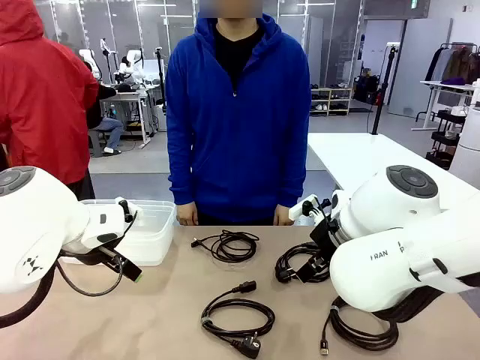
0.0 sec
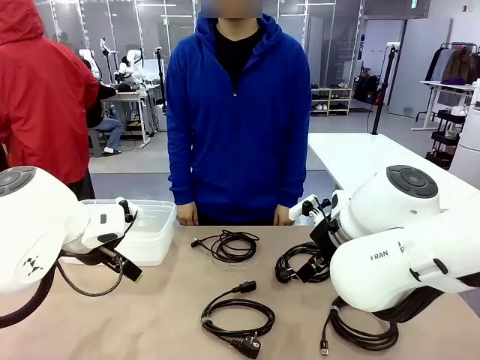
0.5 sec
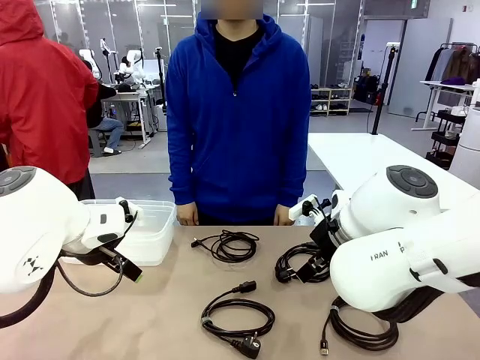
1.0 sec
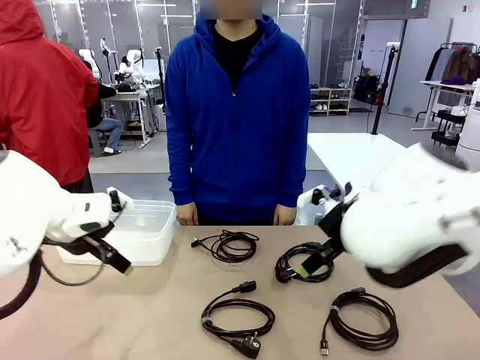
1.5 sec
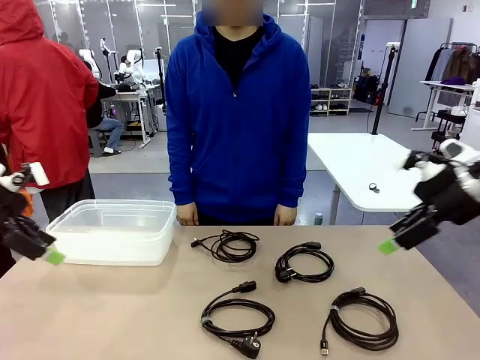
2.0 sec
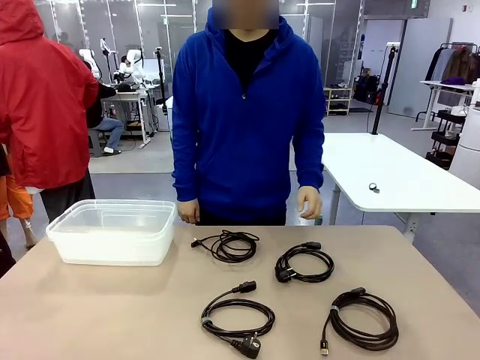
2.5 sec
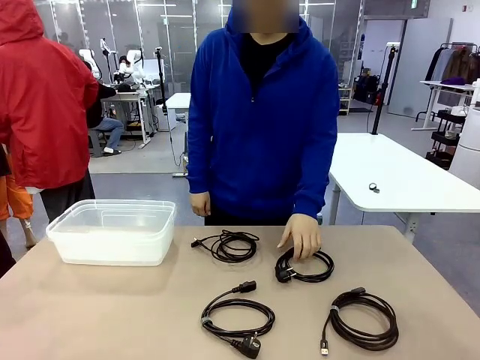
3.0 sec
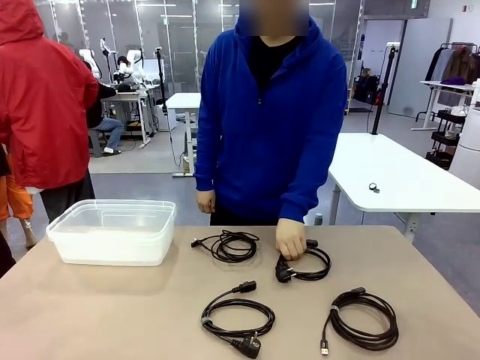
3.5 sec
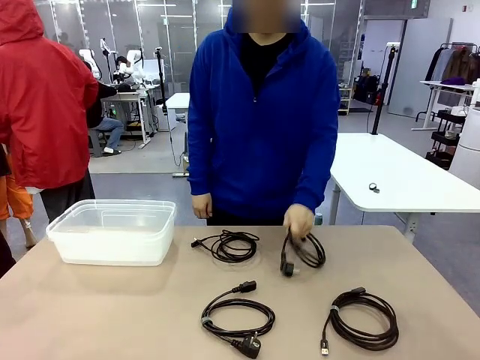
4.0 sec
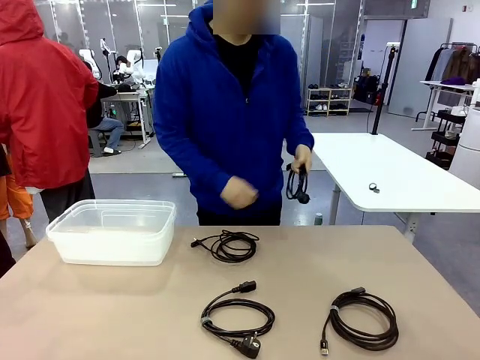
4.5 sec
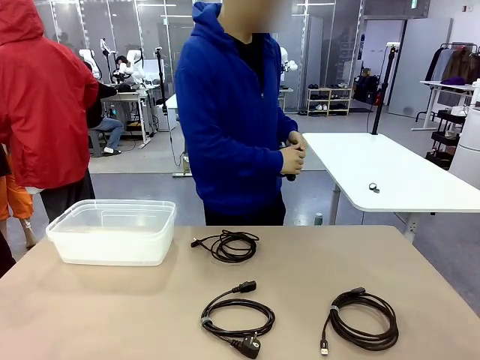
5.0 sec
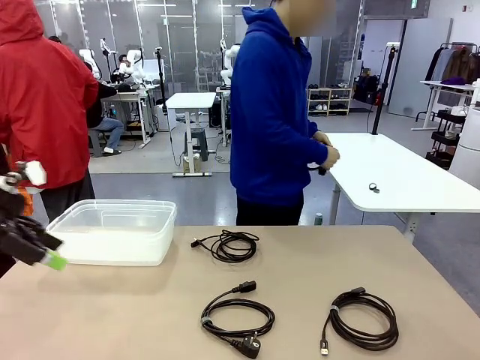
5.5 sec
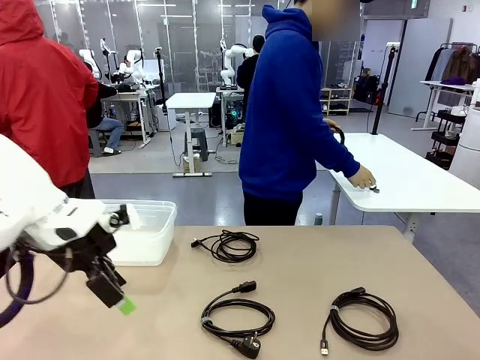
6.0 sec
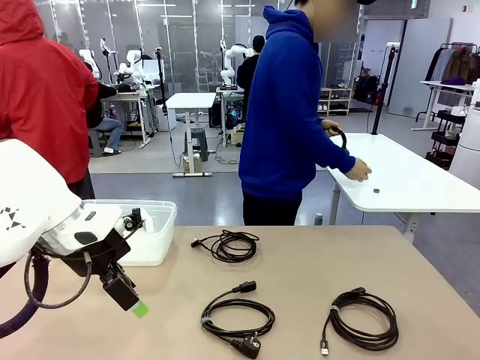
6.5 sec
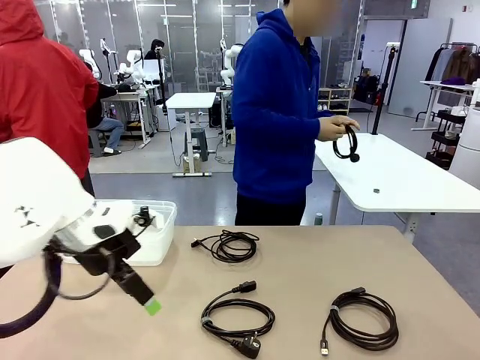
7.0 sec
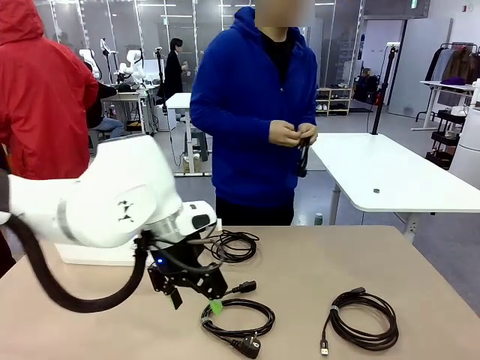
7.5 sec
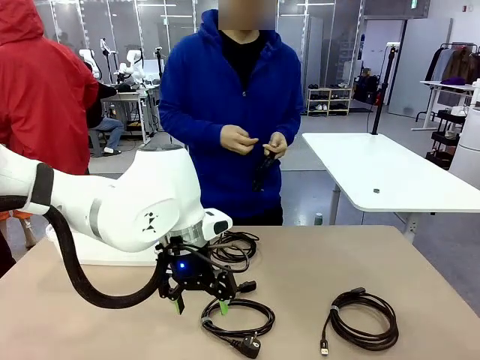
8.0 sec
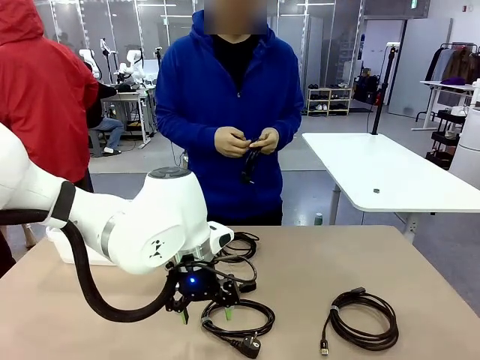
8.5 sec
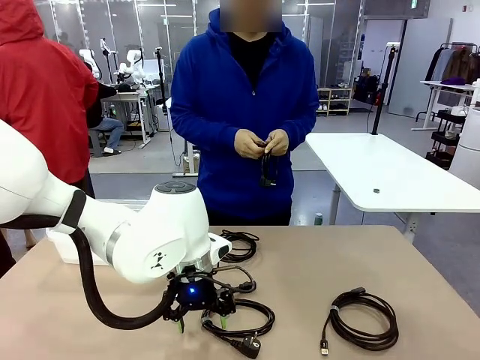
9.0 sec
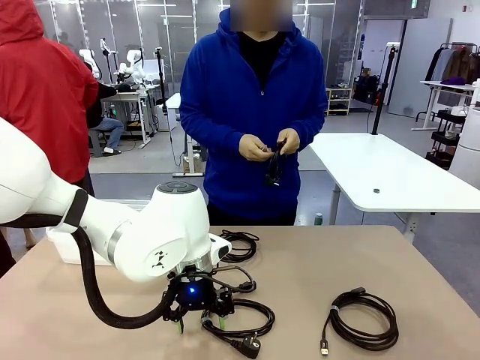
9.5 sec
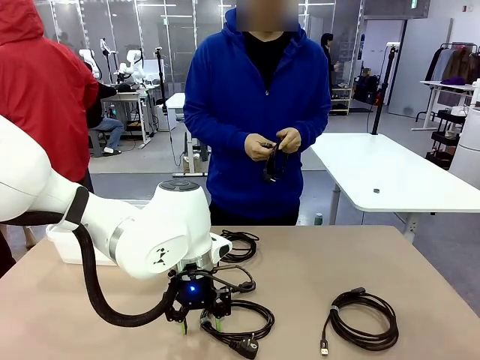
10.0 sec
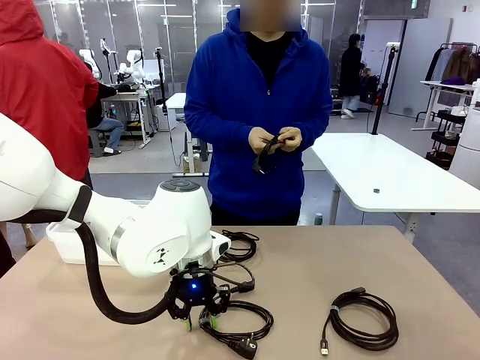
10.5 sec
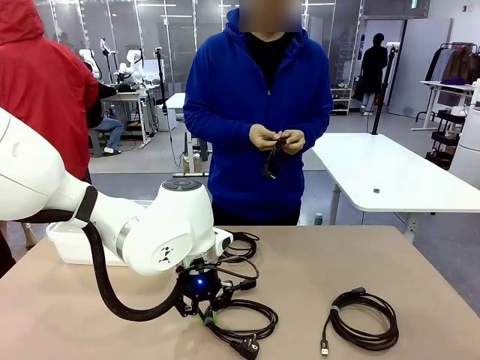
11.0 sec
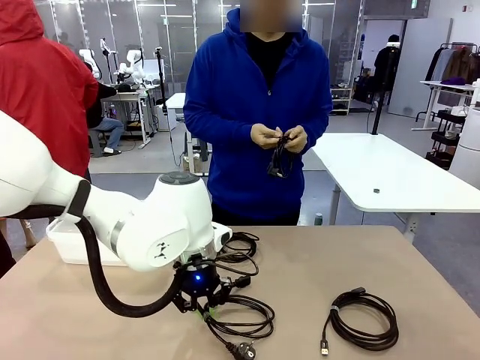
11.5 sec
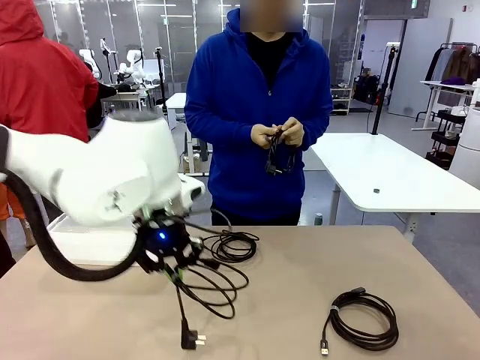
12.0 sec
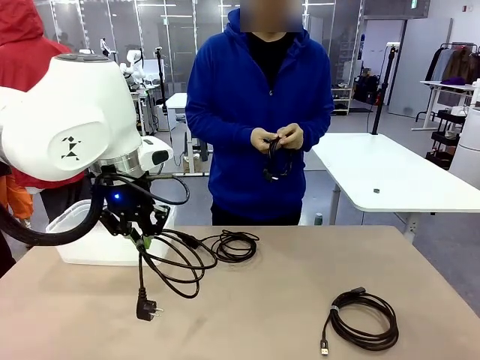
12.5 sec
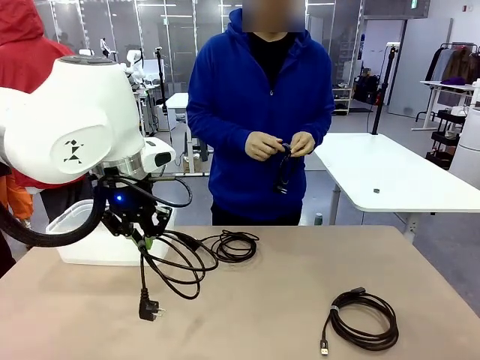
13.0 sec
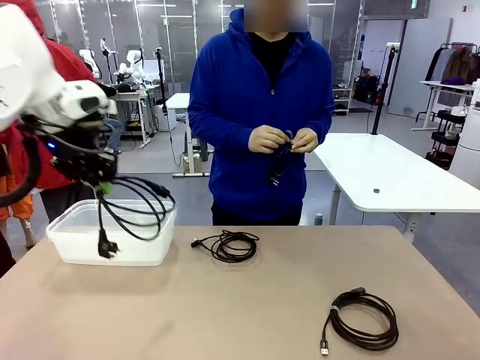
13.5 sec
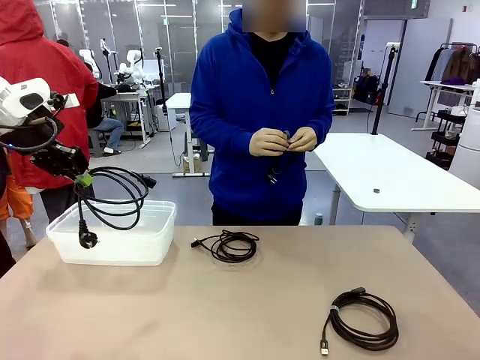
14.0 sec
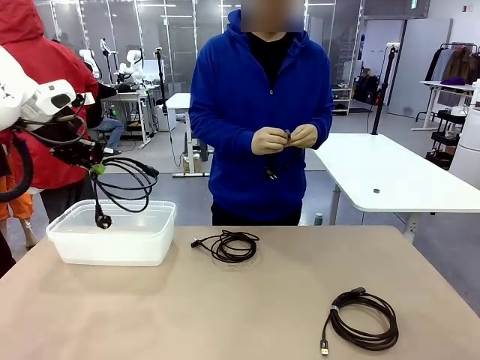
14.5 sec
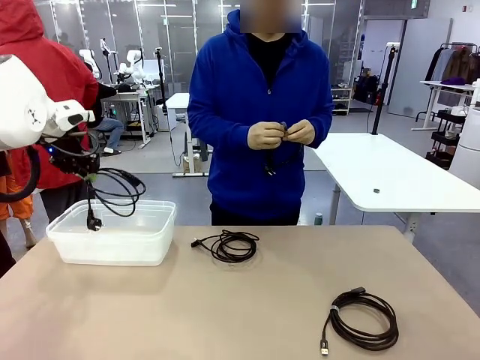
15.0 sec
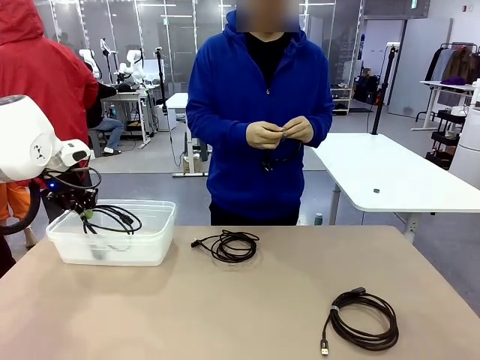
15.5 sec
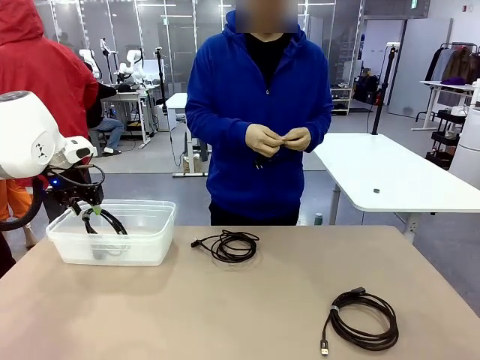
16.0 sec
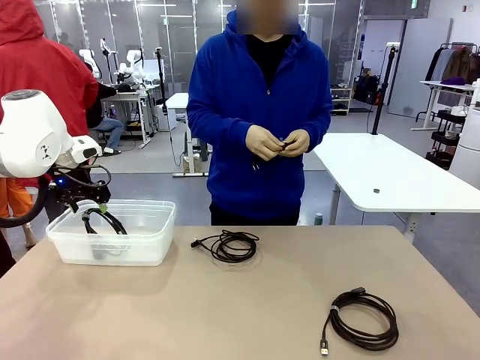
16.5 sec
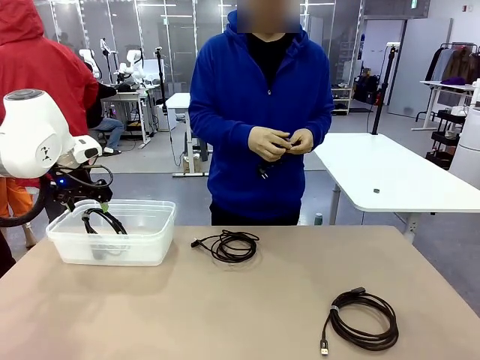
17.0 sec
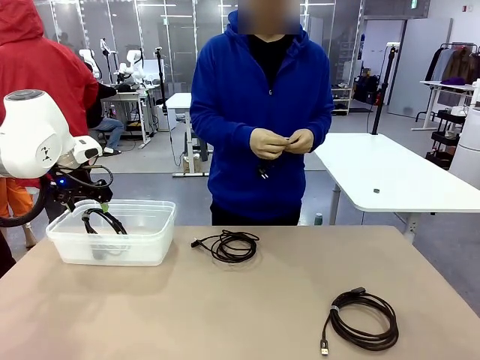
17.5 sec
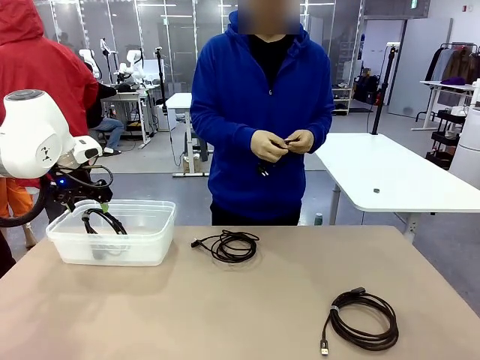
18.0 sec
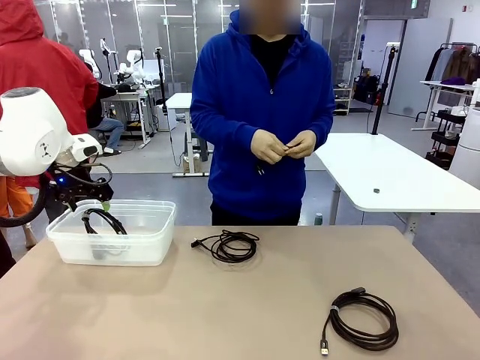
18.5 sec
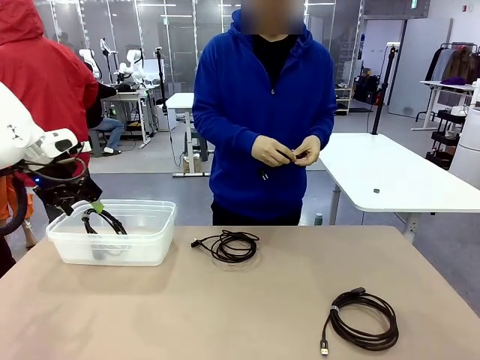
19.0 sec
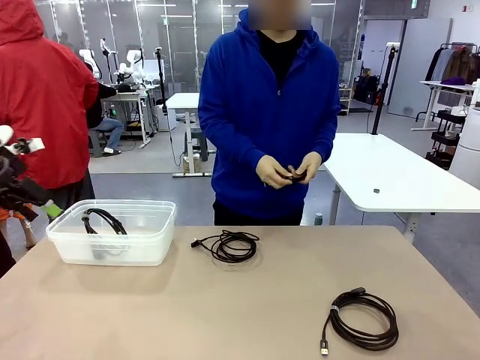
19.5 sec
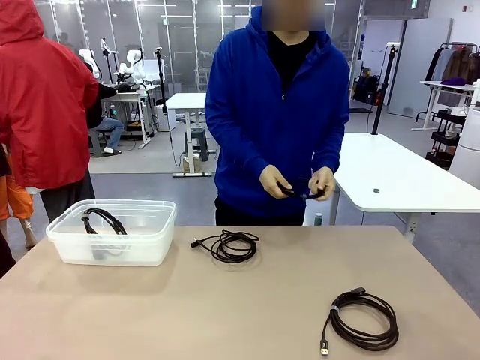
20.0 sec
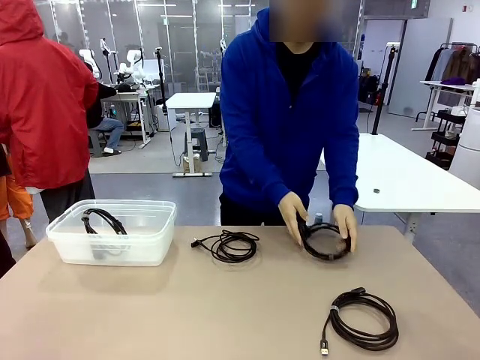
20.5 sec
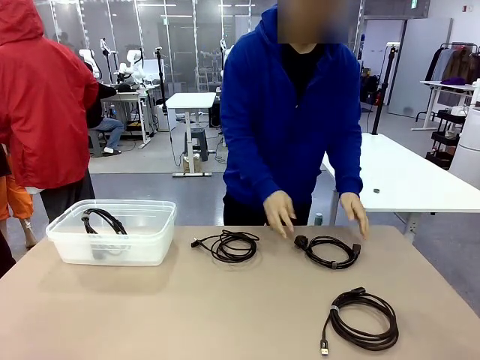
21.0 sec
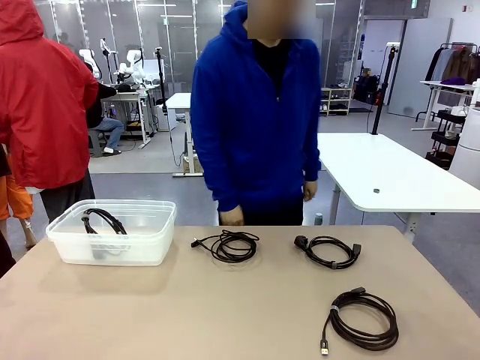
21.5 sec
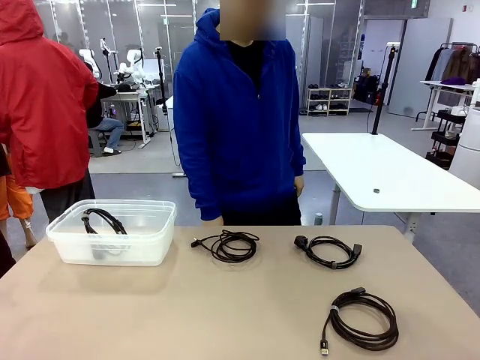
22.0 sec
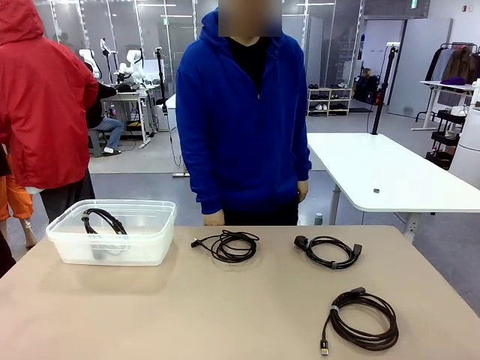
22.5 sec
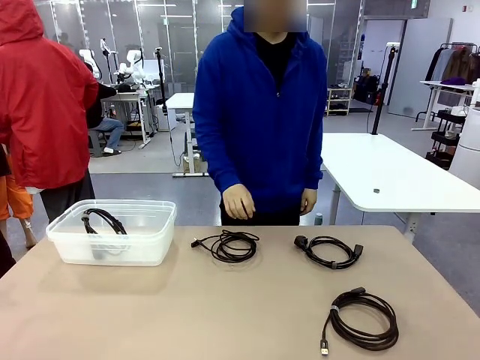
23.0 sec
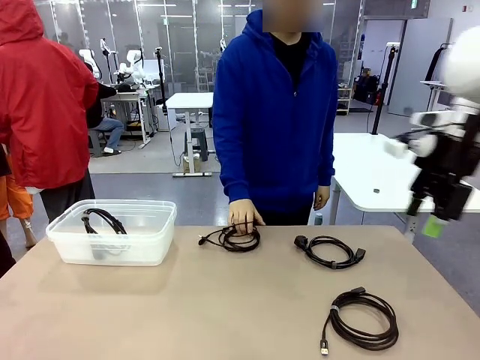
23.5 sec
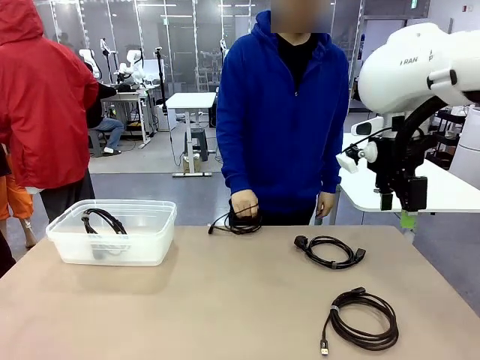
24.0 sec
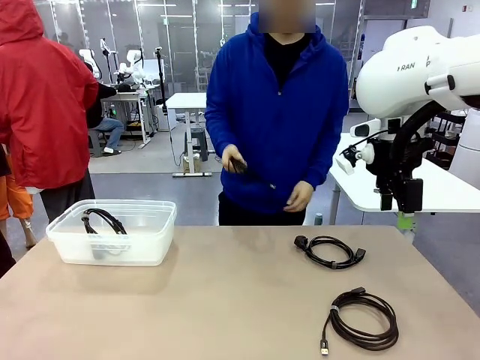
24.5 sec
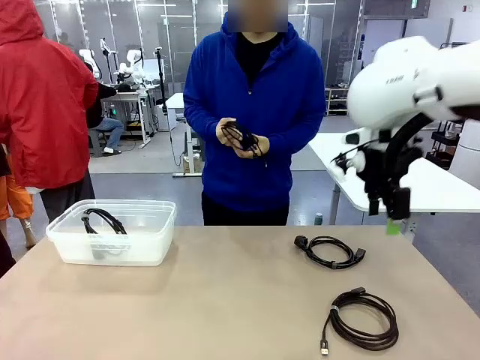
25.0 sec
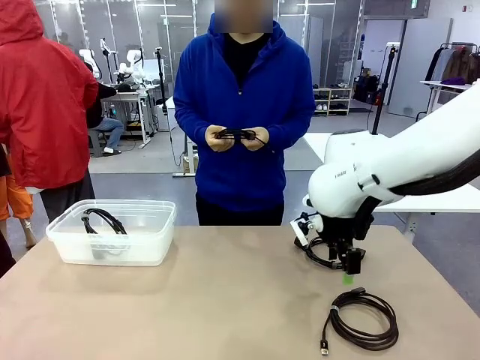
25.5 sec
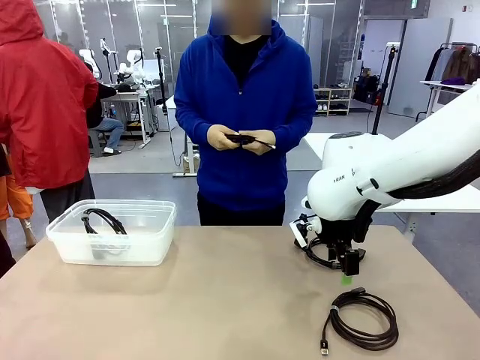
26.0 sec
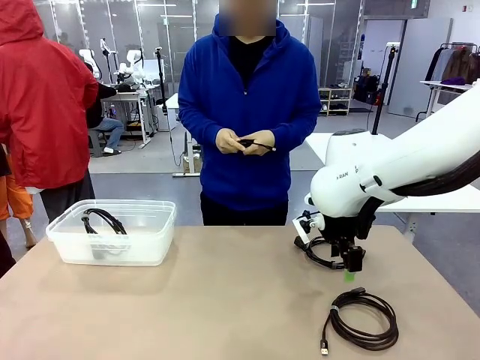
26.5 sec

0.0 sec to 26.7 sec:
Task: Organize and store the cables.
Robot: Place the Power Cable into the Organizing box.
Person: Tie one Power Cable with a Reusable Cable Tie.
